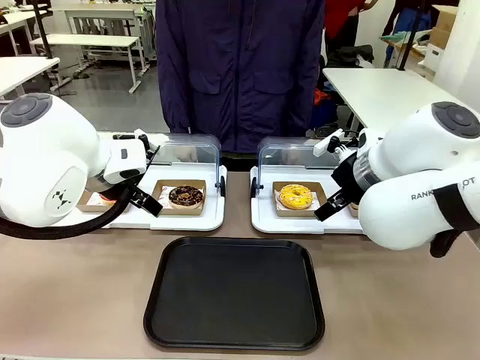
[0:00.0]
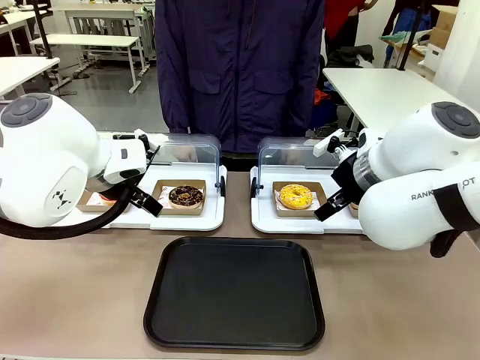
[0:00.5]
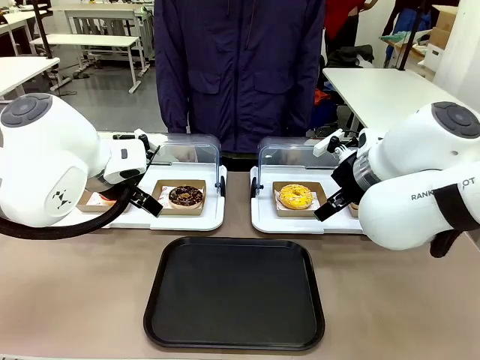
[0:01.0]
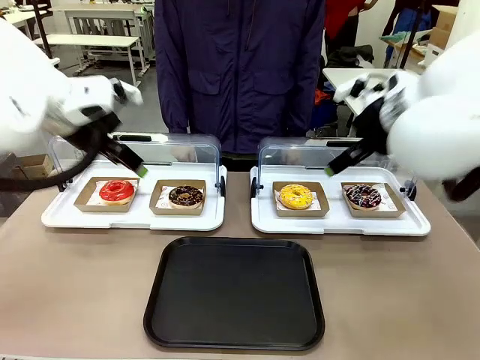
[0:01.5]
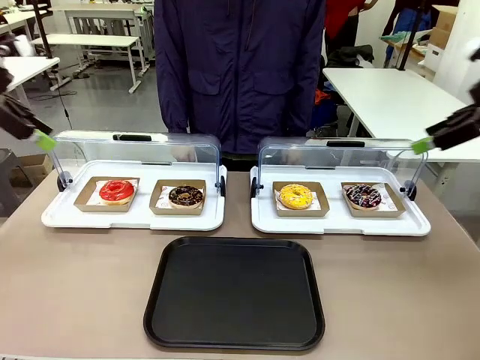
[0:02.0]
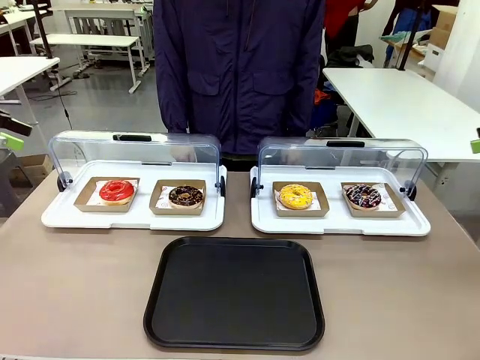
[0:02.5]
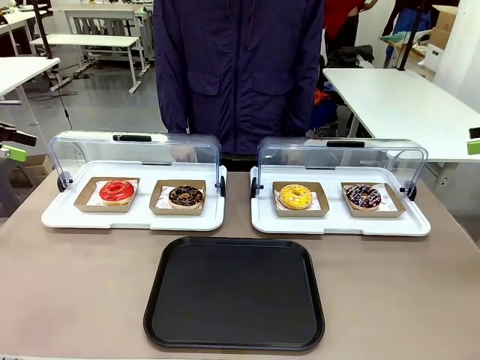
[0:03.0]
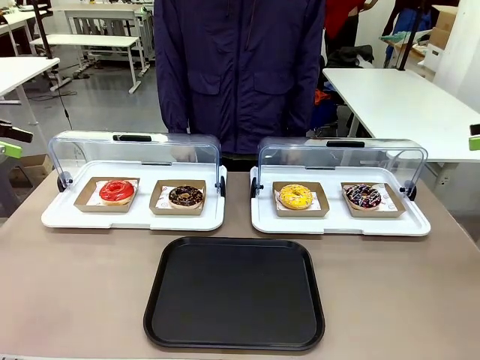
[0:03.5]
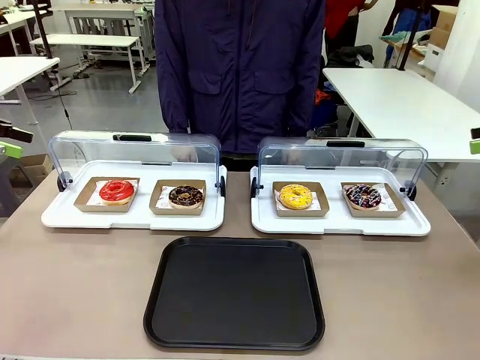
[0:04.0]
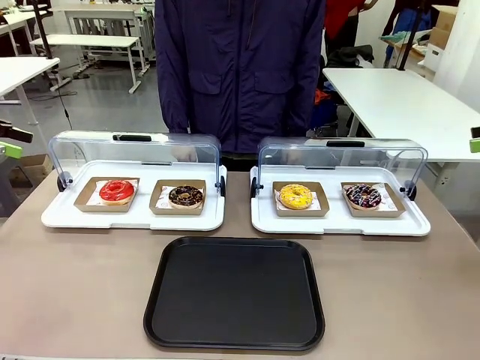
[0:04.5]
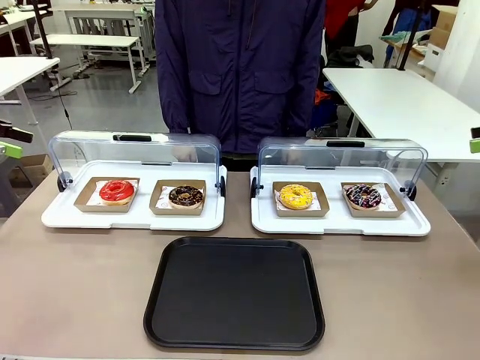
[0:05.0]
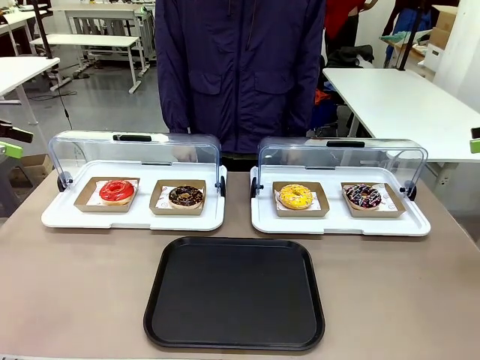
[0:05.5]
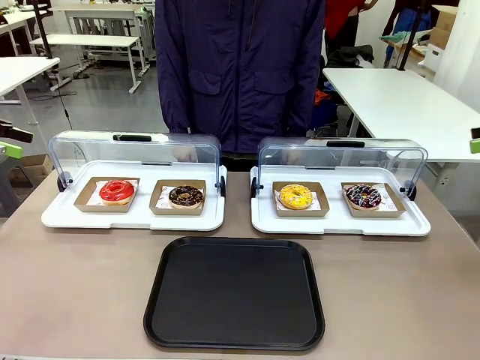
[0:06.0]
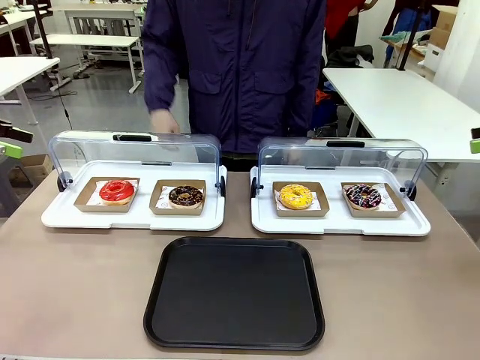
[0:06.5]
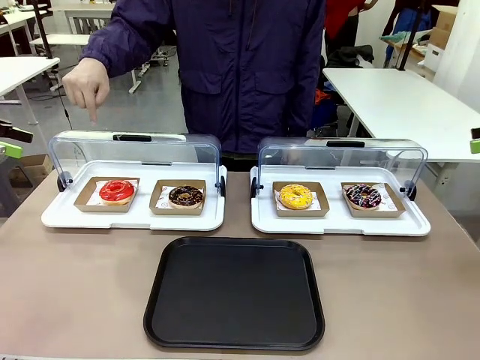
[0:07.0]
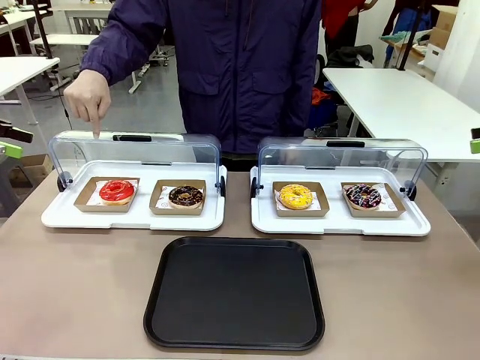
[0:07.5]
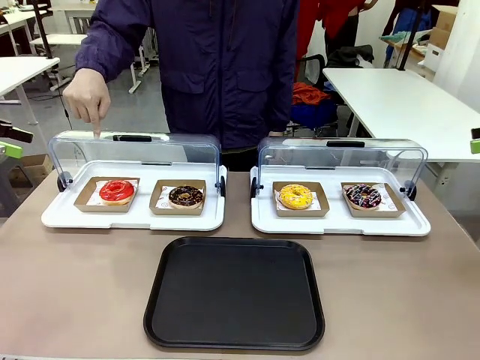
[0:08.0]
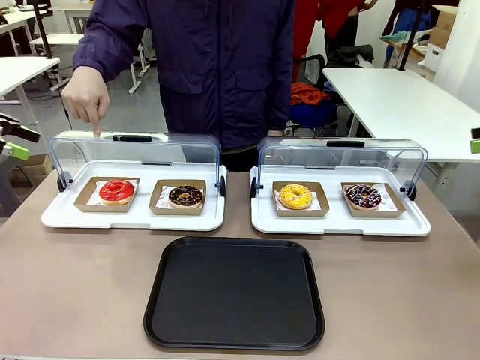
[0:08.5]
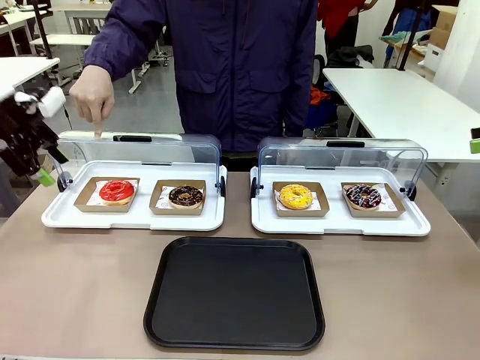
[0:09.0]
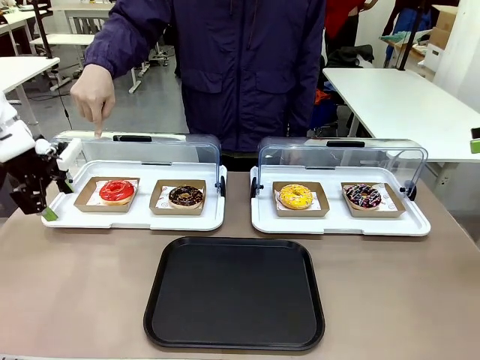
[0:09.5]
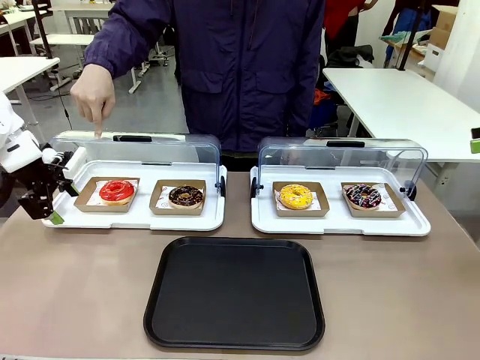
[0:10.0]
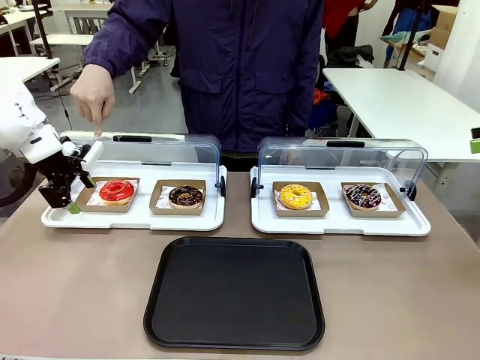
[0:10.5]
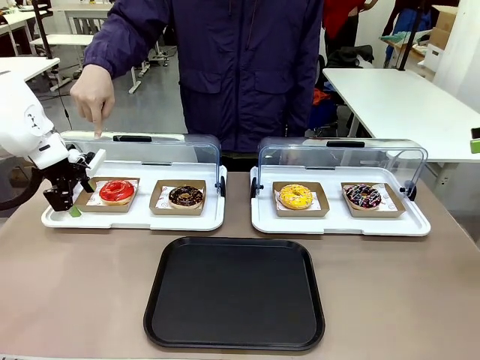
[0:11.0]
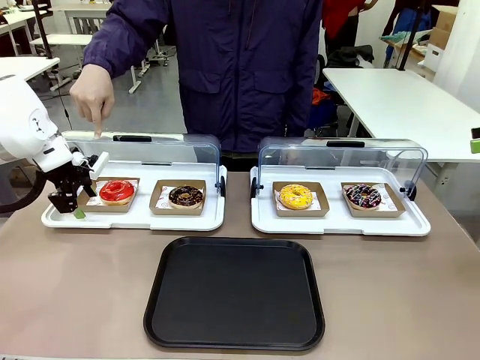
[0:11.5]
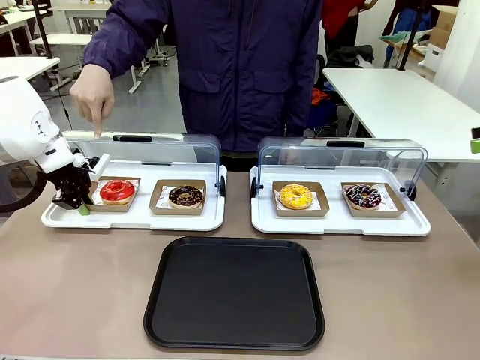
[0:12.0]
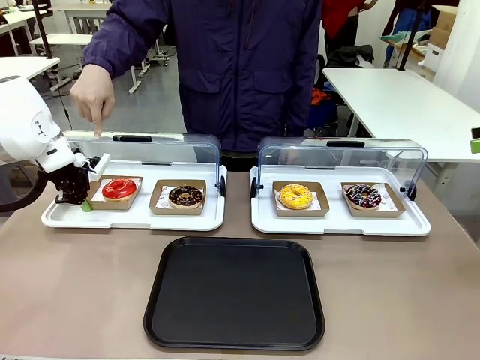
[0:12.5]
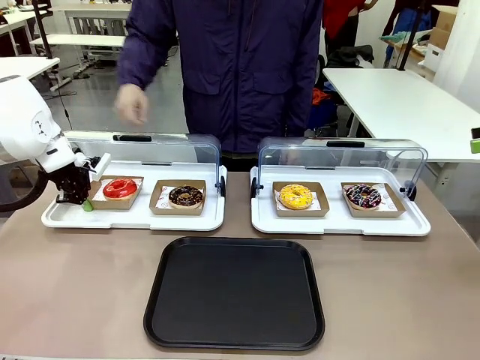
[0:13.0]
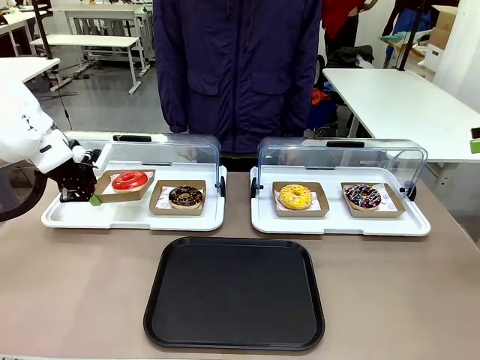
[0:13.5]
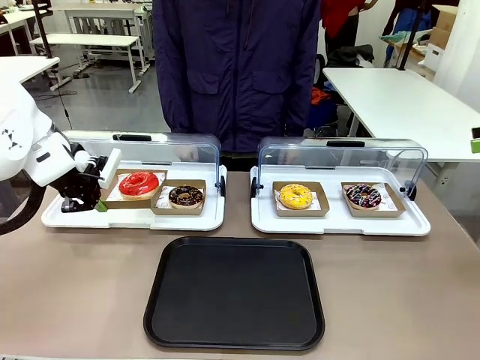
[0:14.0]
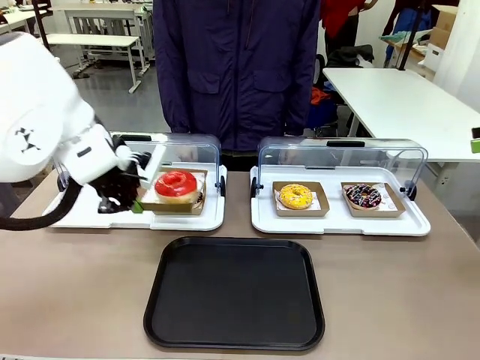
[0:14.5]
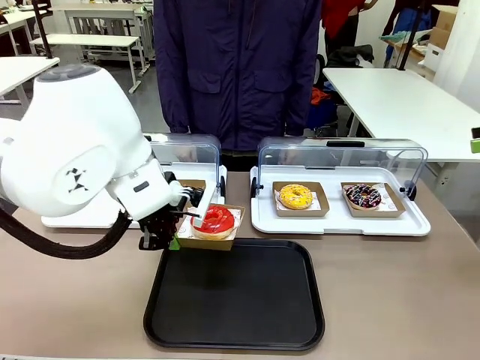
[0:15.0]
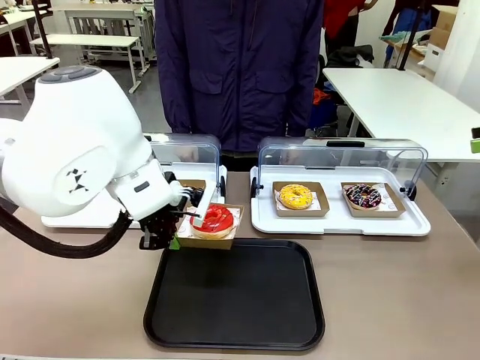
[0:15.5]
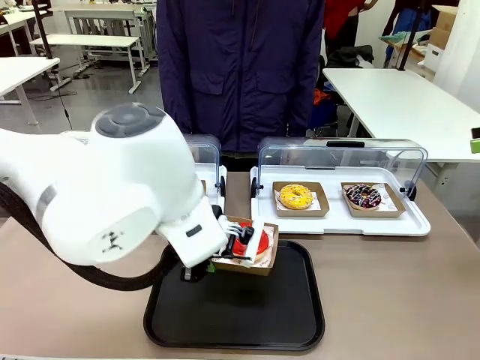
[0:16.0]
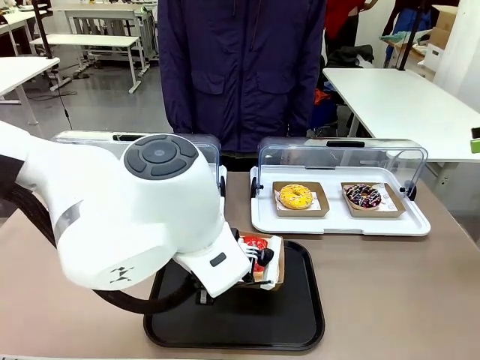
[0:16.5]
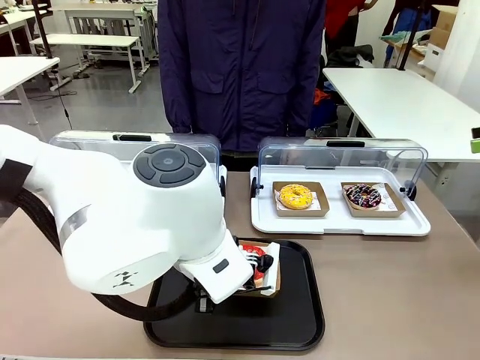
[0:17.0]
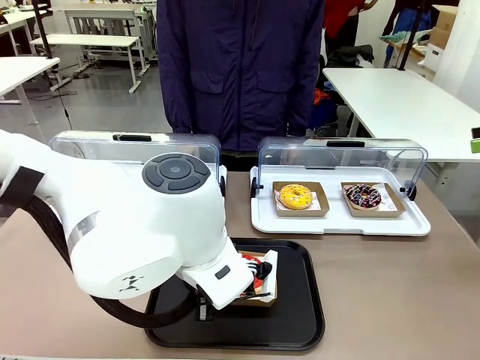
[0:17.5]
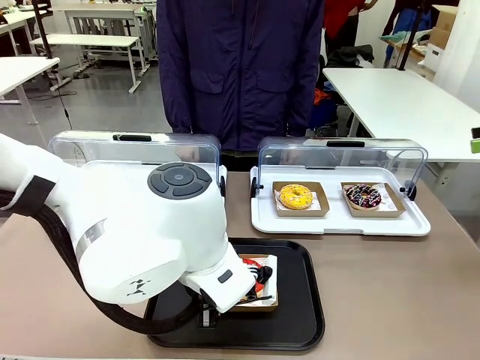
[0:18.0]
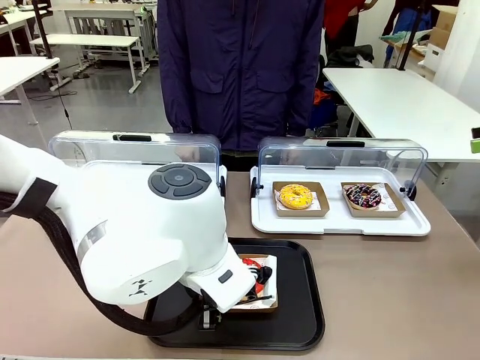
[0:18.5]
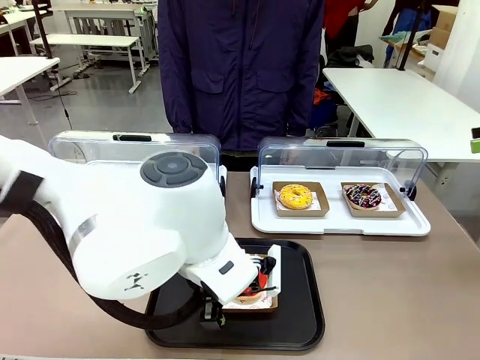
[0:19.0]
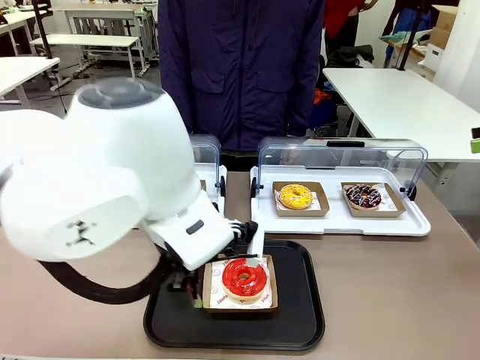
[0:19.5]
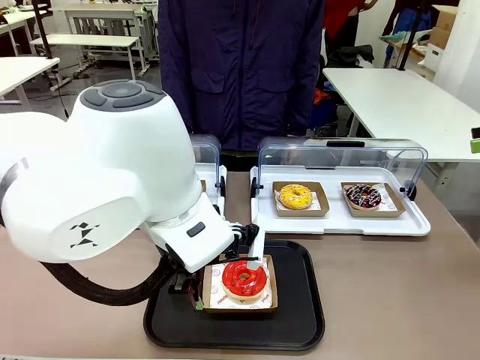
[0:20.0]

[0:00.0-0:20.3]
Task: Move the first donut from the left to the tray.
Robot: Pick up the Paper togo box containing the Donut indicated by the person and place it on the Handle tray.
Person: Points to the first donut from the left from the robot’s perspective.
